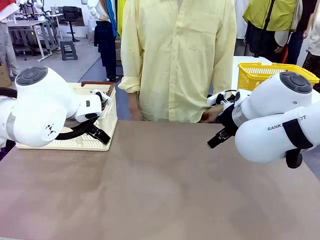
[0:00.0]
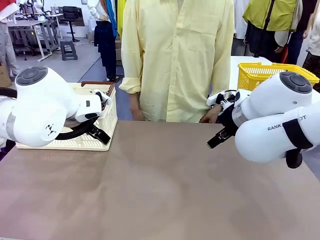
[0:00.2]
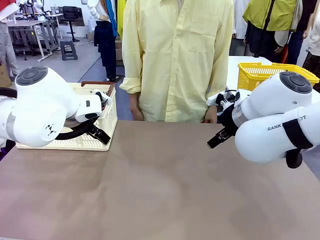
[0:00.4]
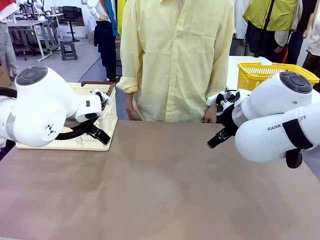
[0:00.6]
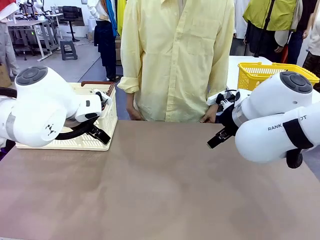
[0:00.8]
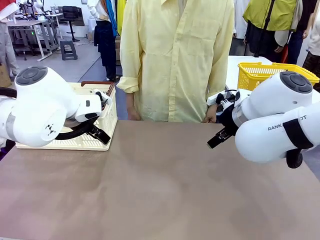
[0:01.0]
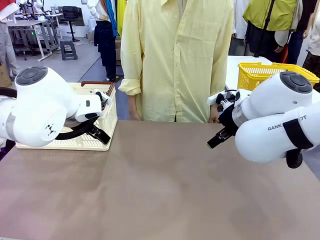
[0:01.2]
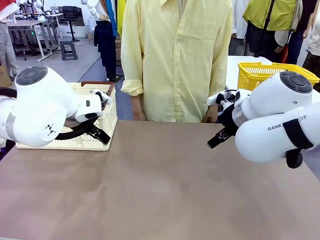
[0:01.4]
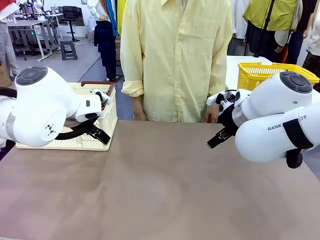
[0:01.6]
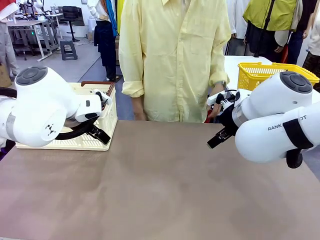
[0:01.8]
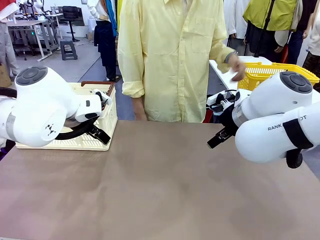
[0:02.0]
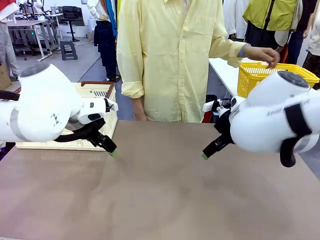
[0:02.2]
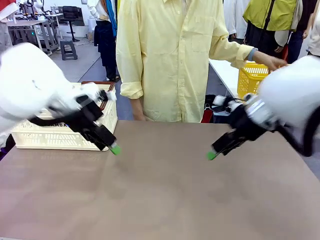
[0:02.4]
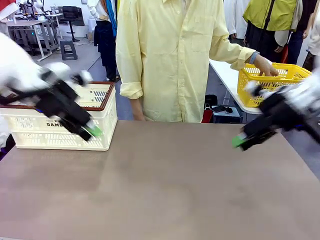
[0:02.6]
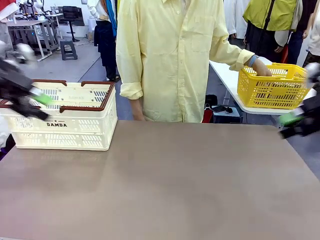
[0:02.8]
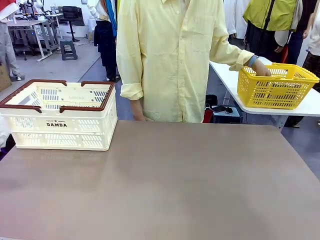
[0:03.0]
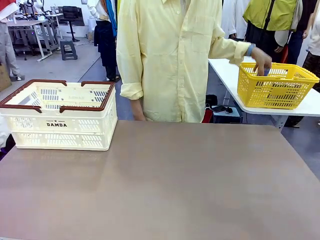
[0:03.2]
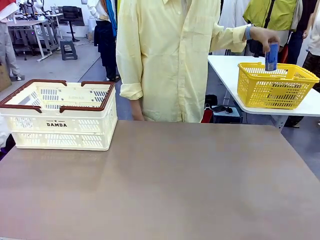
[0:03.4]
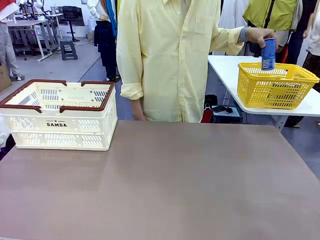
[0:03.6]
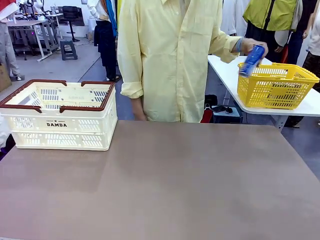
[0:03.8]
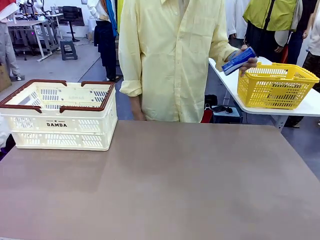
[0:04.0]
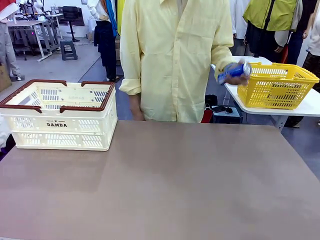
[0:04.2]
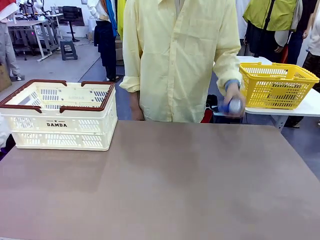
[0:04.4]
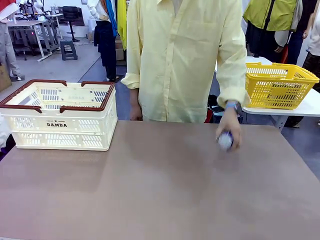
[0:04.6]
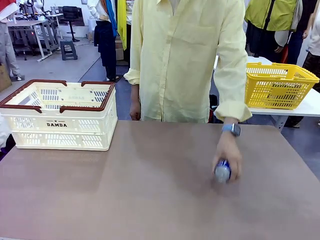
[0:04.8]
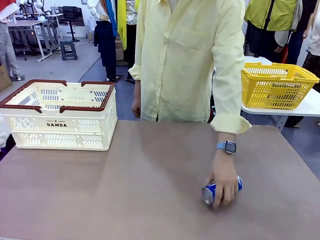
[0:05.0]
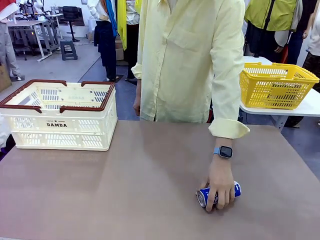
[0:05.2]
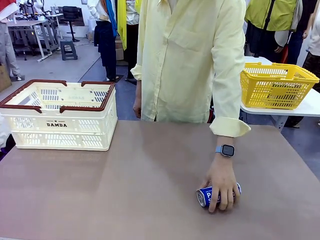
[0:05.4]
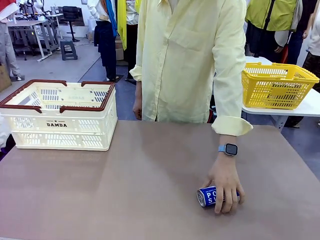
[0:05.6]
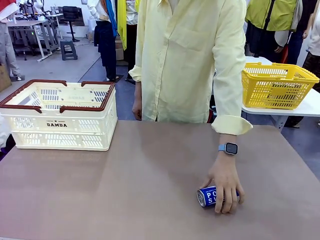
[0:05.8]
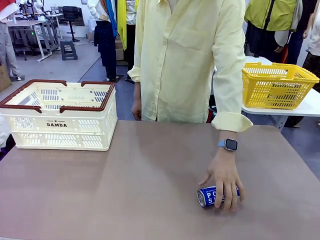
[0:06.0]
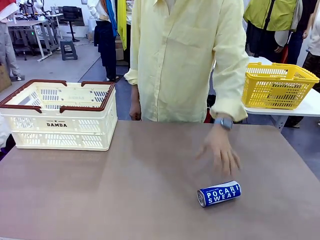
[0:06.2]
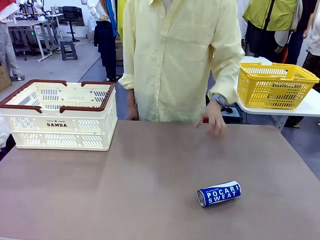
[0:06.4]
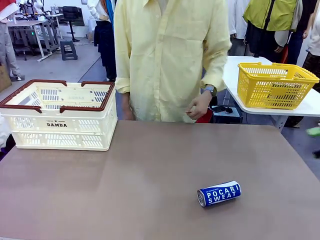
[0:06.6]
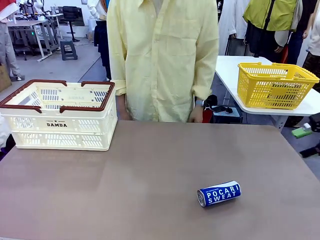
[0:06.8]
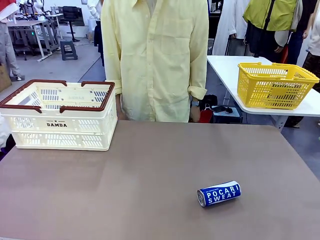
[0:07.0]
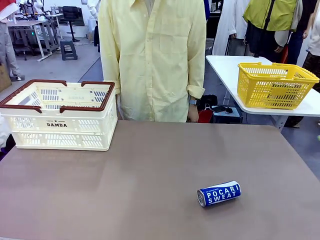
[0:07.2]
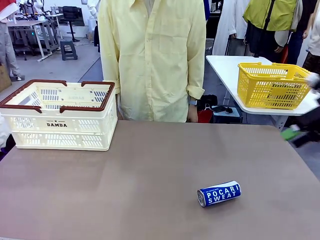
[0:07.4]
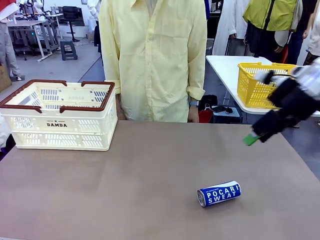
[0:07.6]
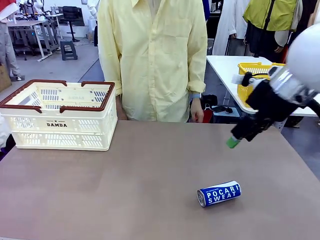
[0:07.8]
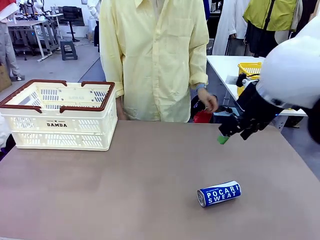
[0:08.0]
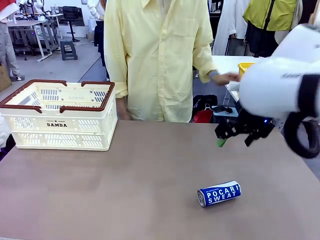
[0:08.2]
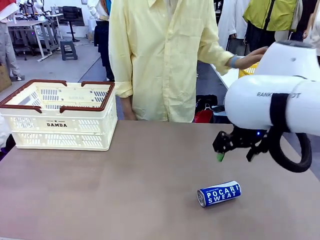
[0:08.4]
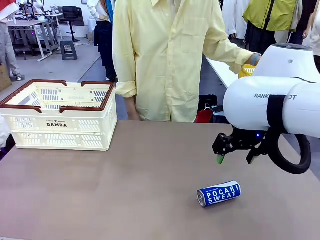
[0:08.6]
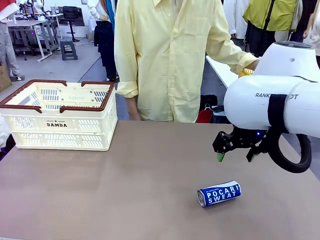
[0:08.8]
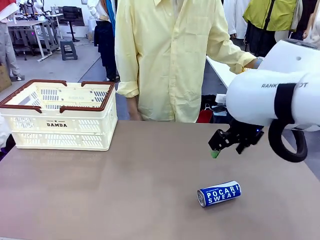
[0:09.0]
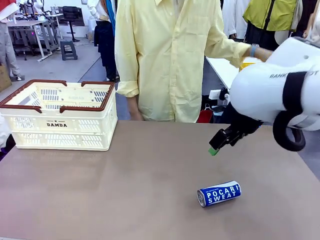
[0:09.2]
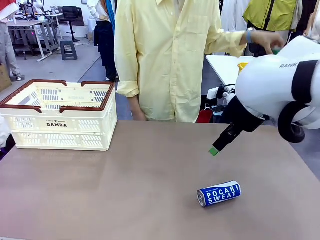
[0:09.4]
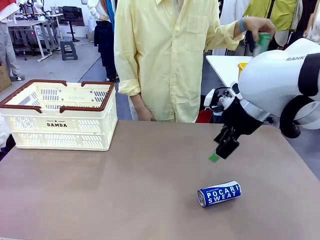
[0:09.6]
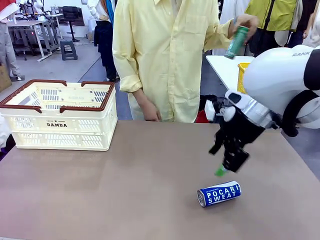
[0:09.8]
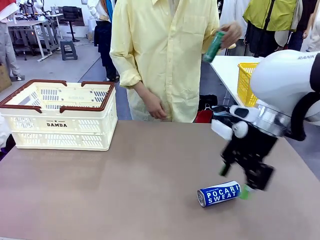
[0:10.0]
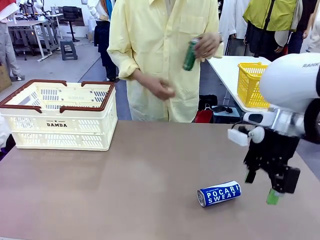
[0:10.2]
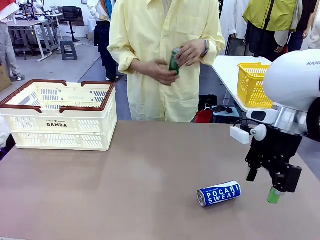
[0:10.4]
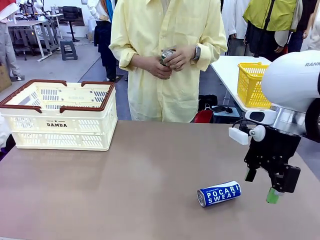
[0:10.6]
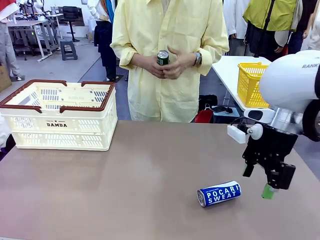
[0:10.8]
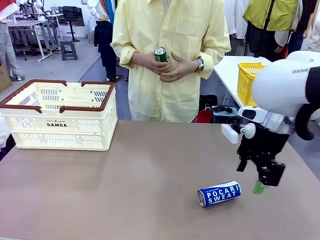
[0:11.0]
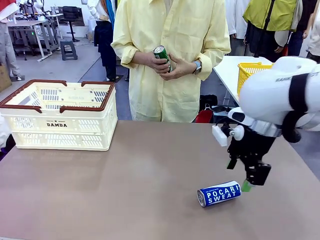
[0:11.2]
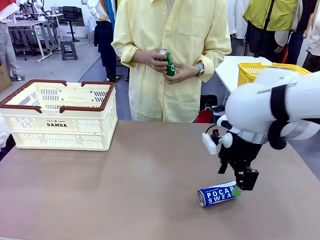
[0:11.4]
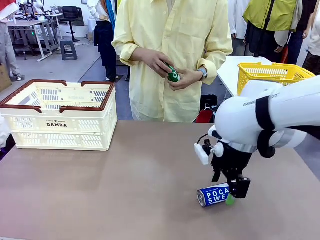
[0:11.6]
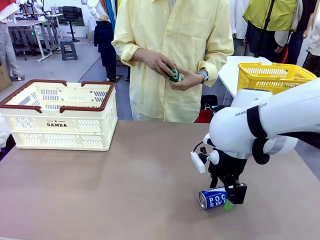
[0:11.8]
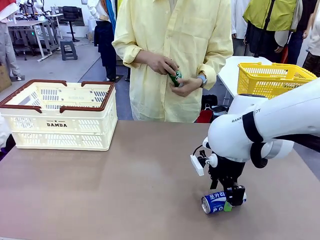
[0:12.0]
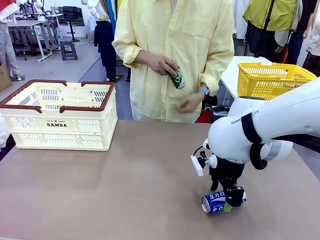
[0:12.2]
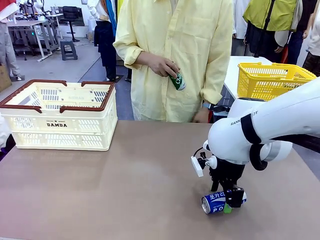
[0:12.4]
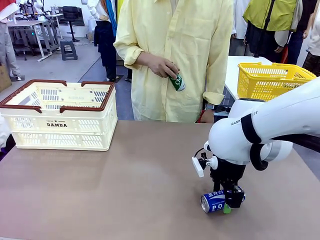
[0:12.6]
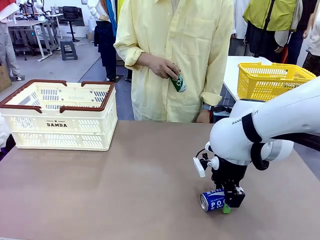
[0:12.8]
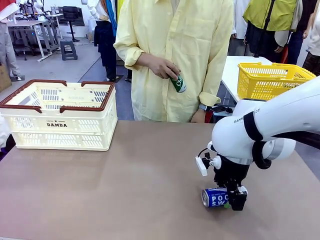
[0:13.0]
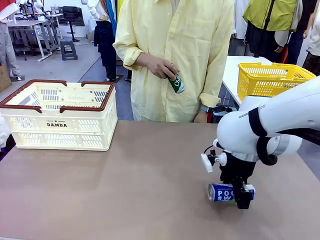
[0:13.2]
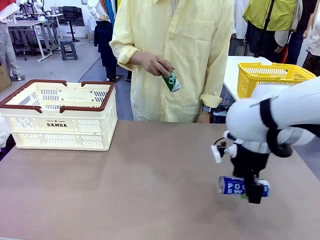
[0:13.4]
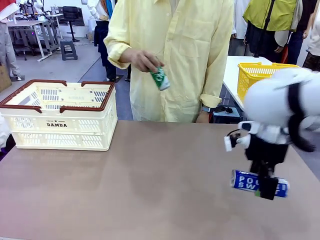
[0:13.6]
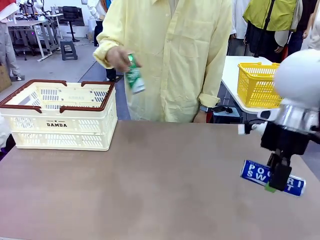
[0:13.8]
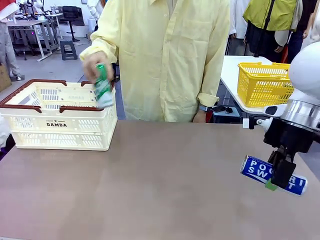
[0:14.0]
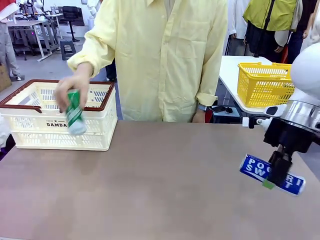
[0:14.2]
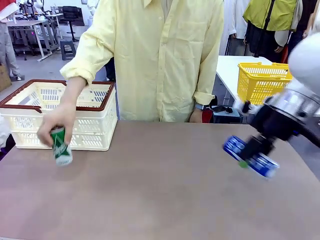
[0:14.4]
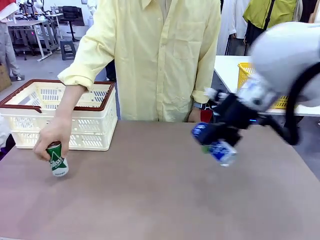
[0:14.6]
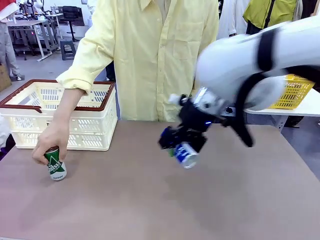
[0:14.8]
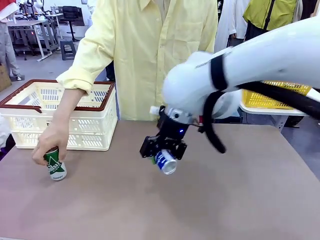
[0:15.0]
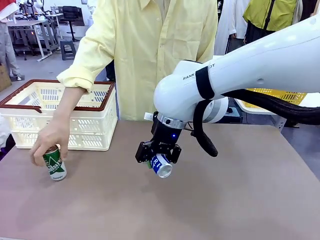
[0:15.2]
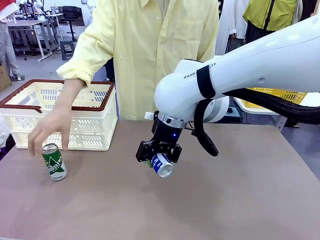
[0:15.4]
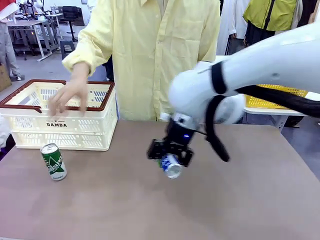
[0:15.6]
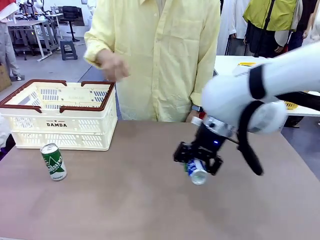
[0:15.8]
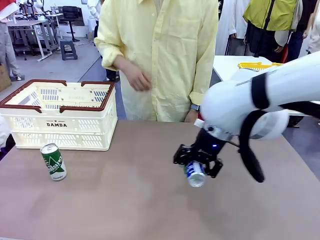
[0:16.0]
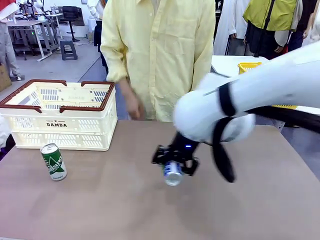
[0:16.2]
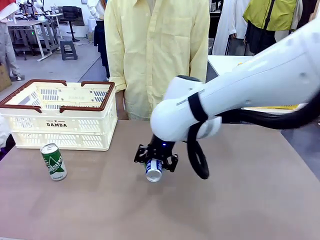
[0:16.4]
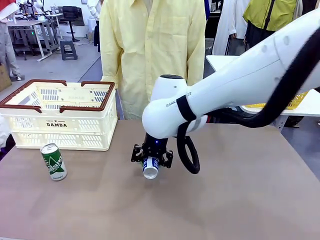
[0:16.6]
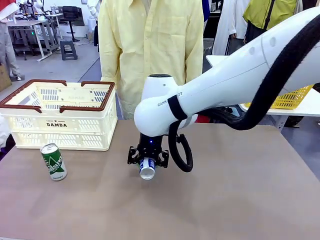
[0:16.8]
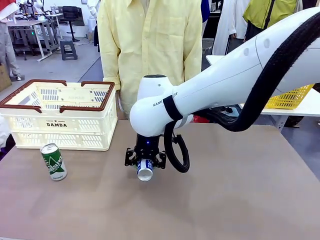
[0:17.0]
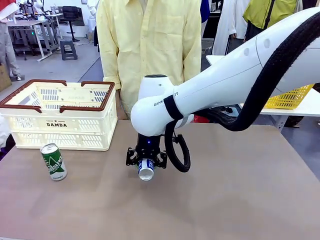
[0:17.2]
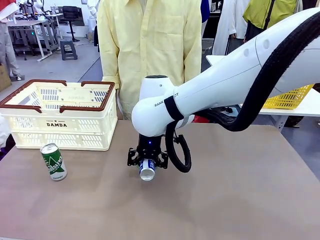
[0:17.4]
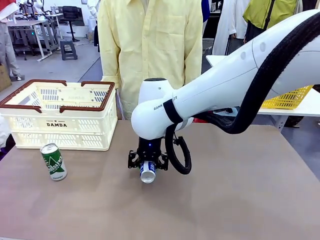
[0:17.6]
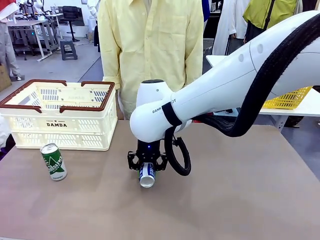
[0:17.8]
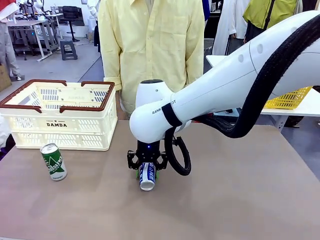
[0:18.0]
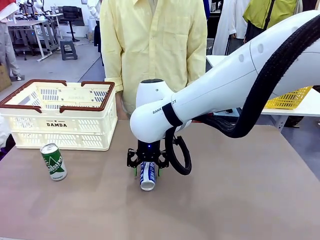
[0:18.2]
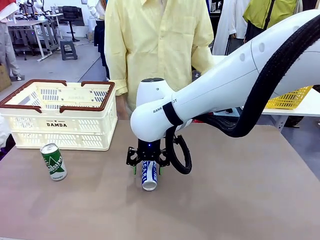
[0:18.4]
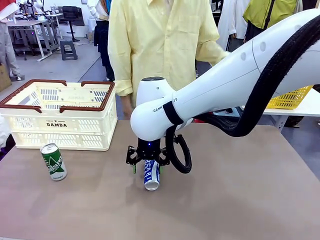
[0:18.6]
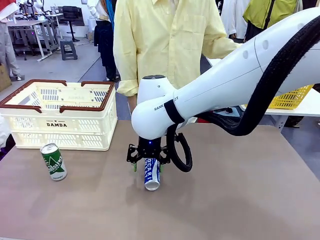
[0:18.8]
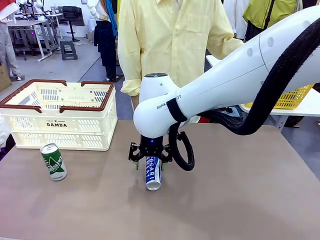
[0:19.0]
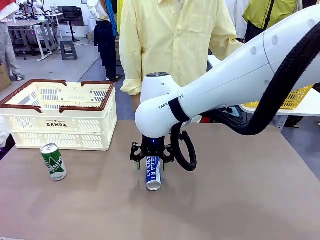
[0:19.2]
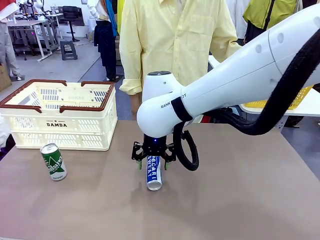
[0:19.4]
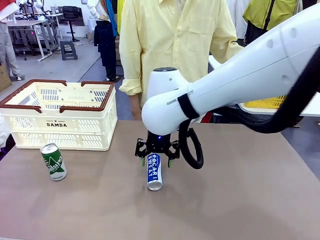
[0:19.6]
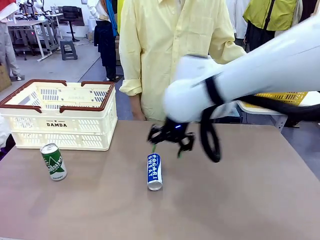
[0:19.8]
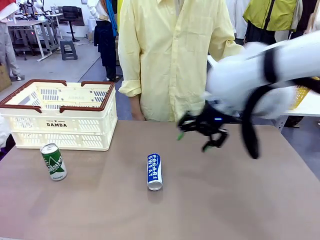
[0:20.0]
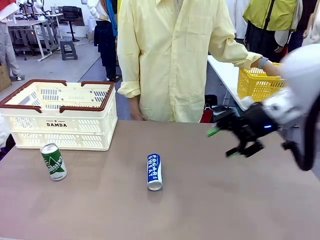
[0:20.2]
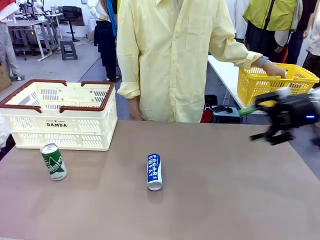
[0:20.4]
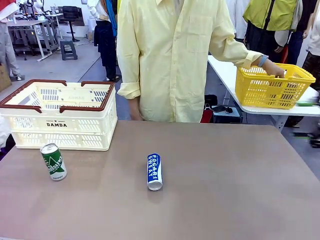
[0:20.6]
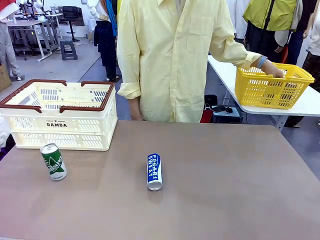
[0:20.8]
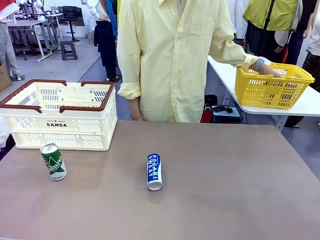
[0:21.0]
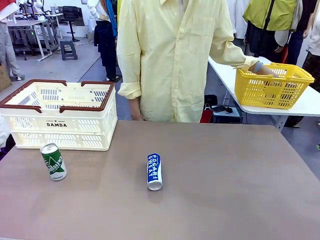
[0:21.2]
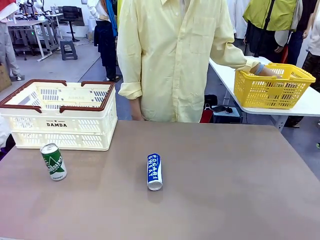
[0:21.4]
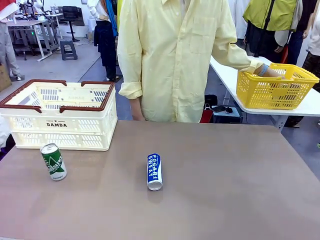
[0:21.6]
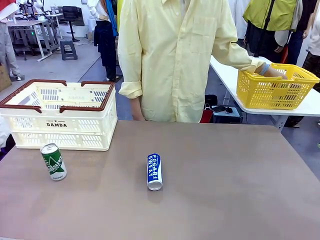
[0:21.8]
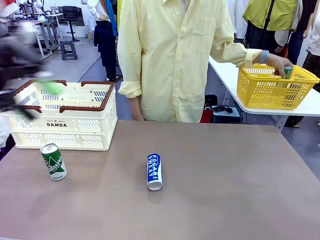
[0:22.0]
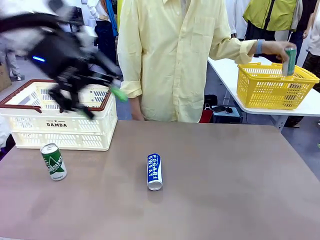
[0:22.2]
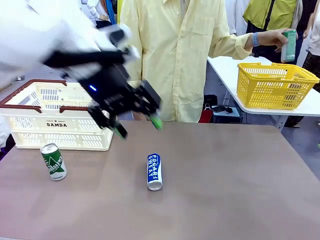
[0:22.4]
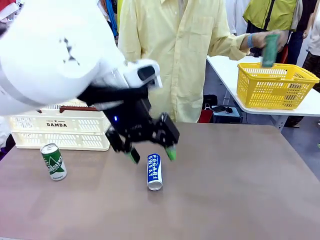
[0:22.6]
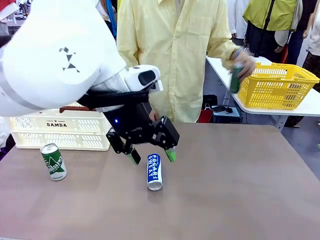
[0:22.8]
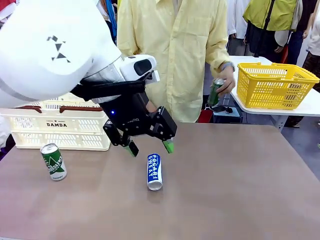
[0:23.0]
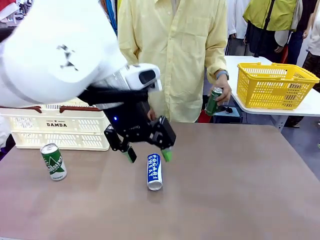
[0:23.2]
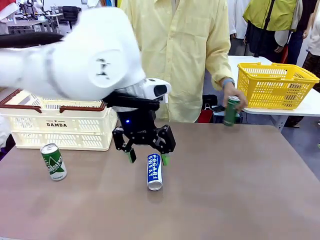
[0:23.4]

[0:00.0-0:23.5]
Task: Place the drinks into the Shopping basket.
Robot: Pick up one drink and place it into the Shopping basket.
